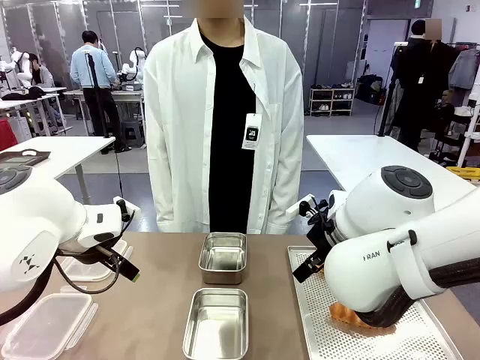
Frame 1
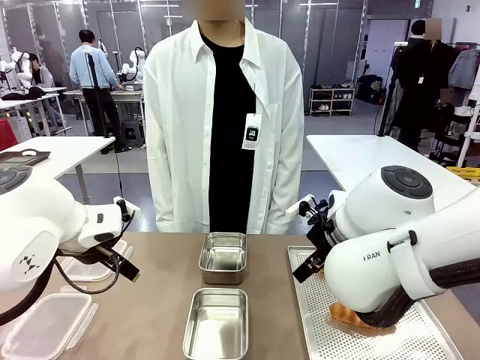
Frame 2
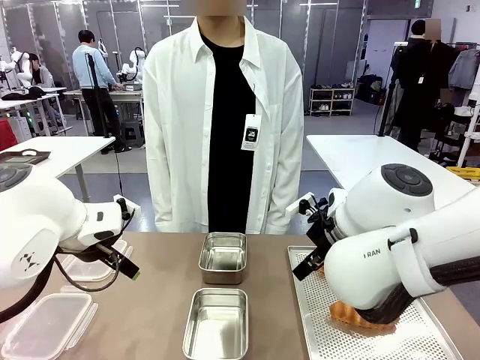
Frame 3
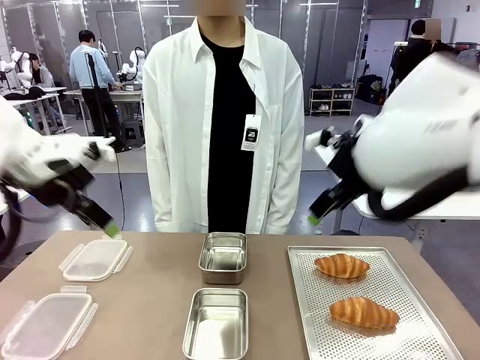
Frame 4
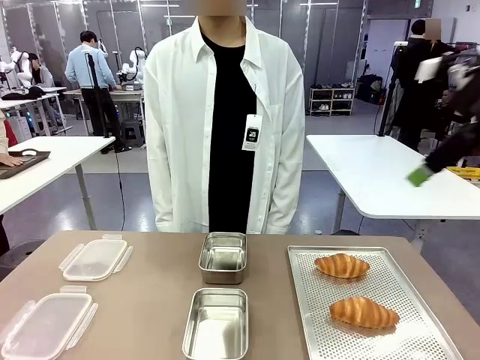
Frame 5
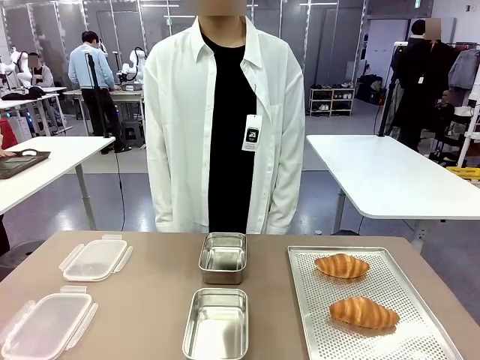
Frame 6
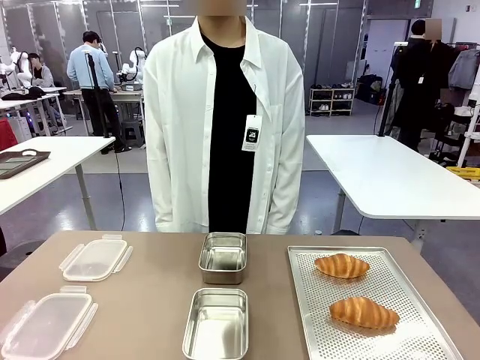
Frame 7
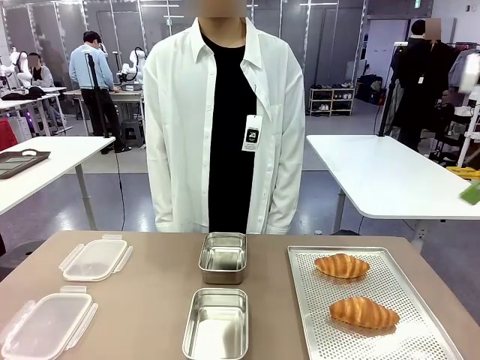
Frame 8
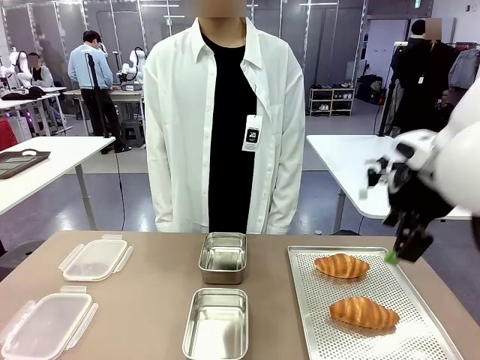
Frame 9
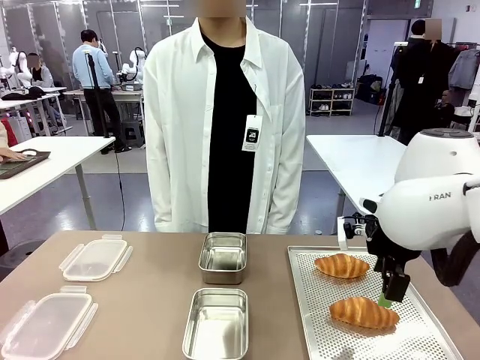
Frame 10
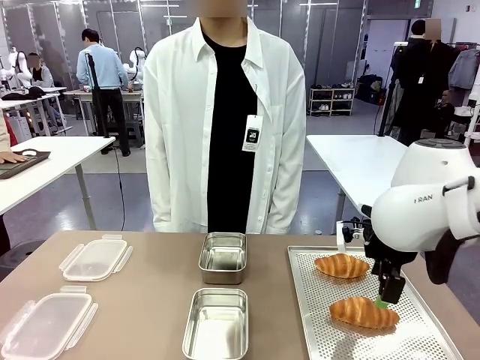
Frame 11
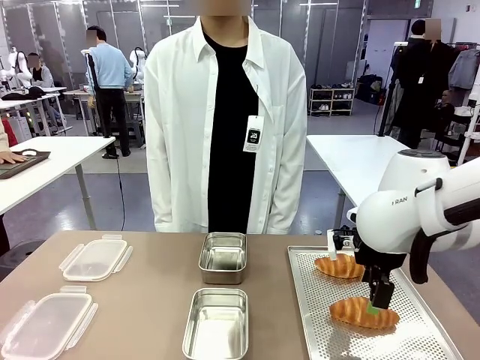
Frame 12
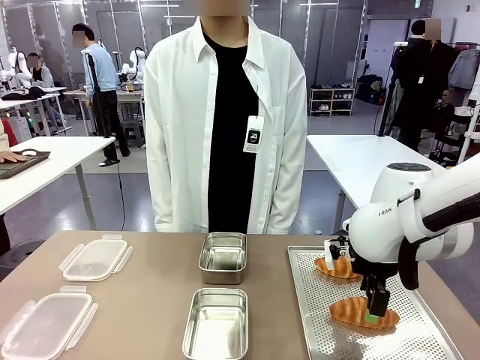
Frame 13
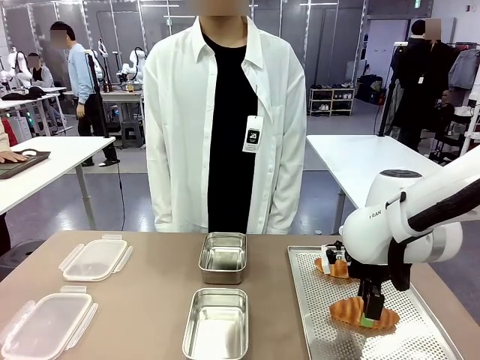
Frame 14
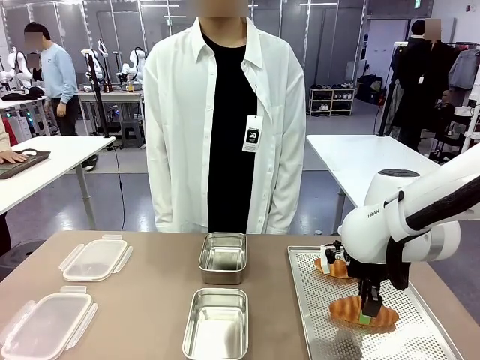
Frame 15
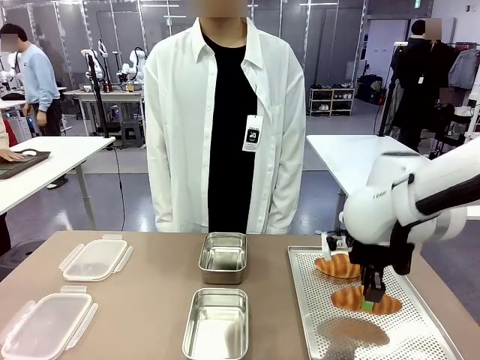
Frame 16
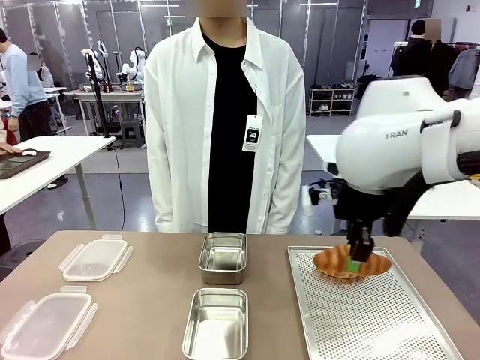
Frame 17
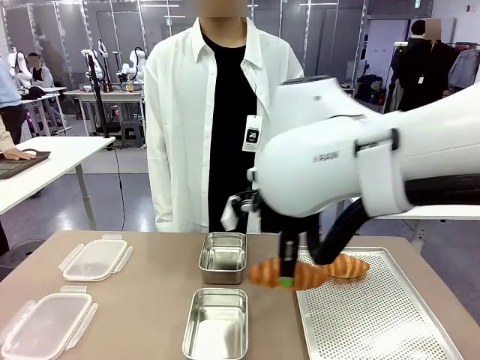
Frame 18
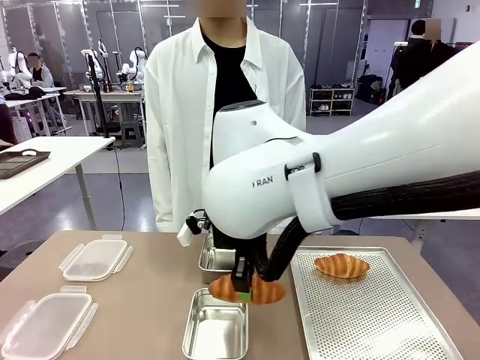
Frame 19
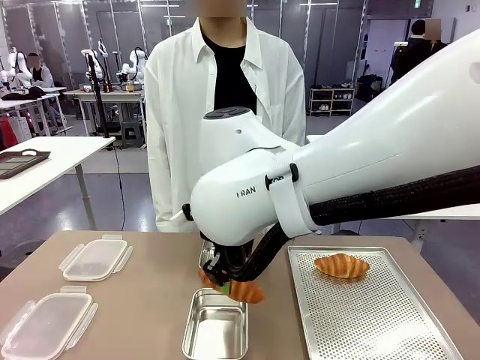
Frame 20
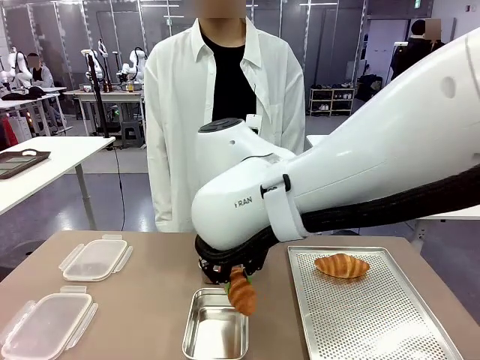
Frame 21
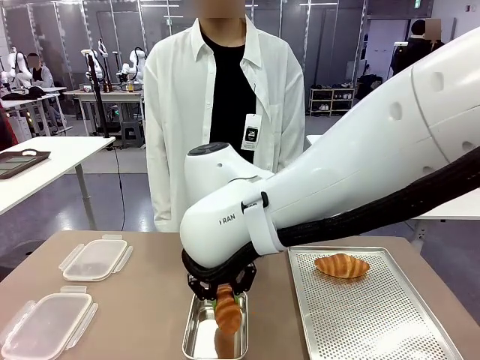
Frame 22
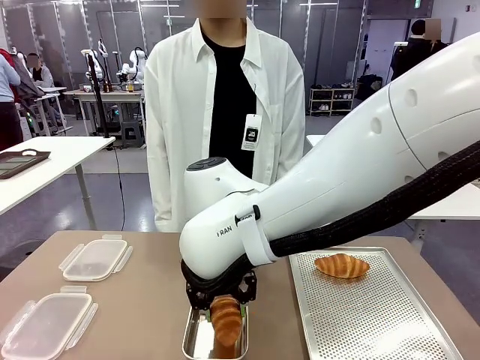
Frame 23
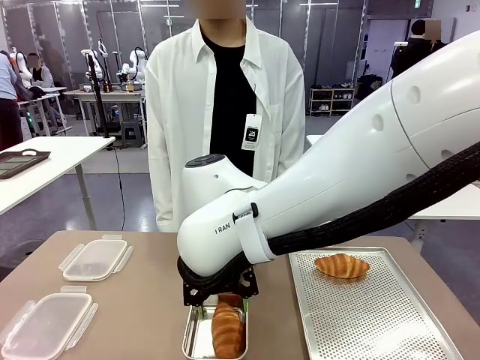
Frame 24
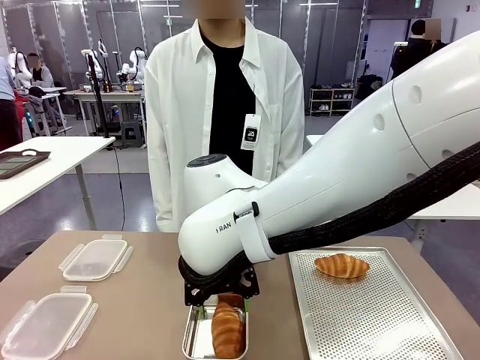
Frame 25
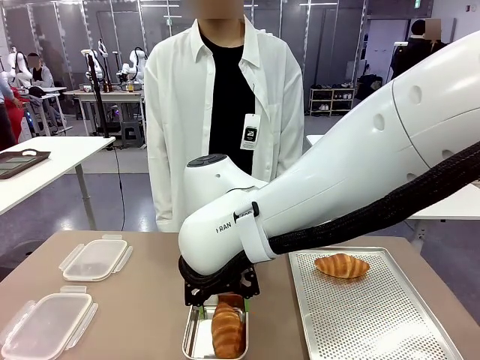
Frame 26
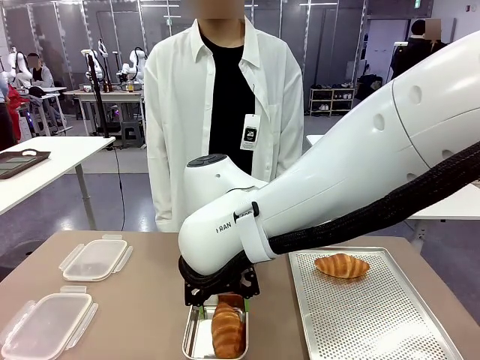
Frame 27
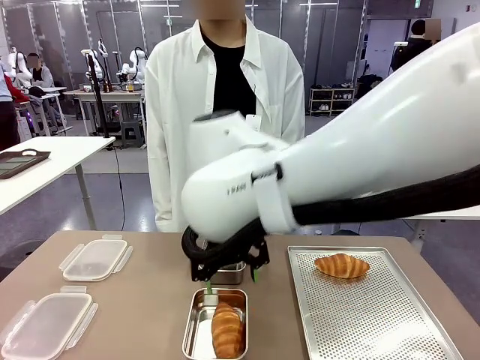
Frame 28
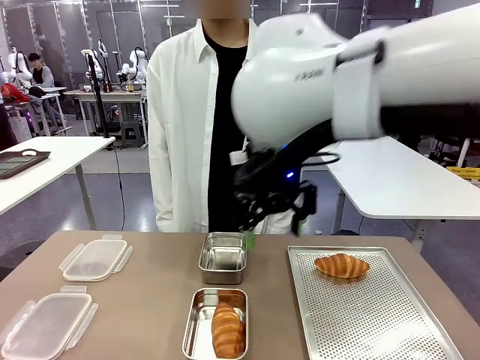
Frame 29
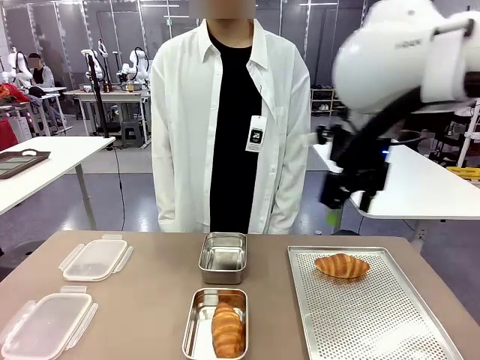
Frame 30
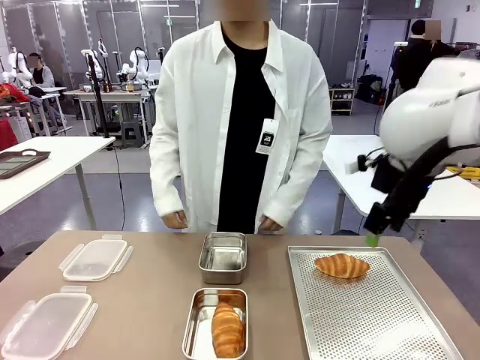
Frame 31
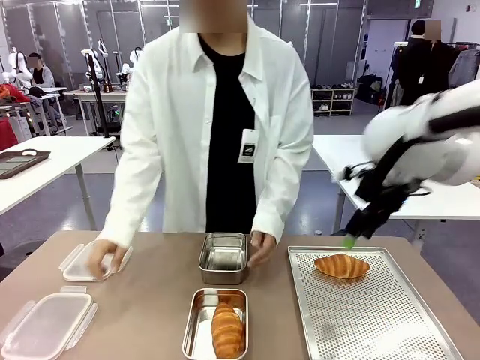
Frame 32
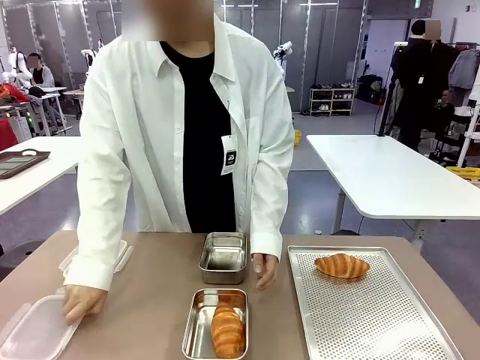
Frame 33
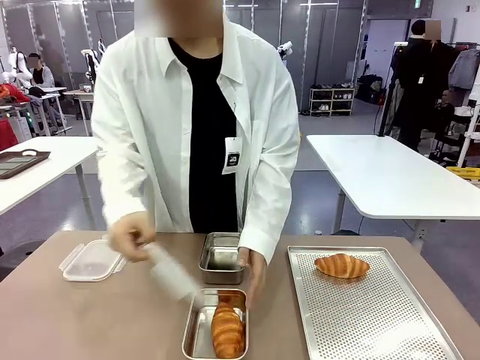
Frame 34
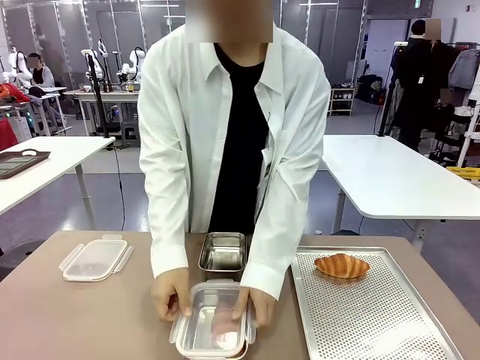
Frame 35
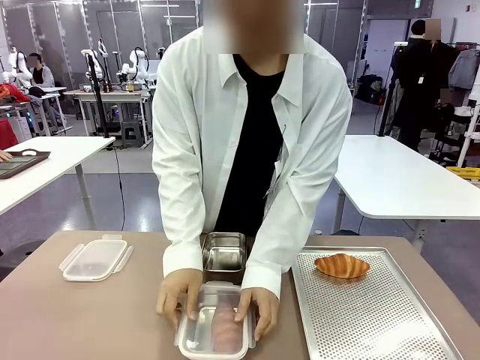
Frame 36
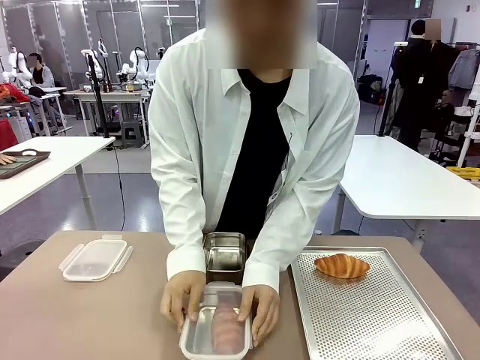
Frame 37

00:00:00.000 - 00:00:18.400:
Task: Place the bread into the airtight container.
Robot: Pick up a Butter Roll and place it into an empty Airtight Container.
